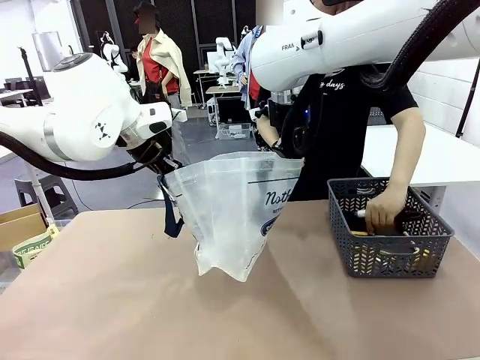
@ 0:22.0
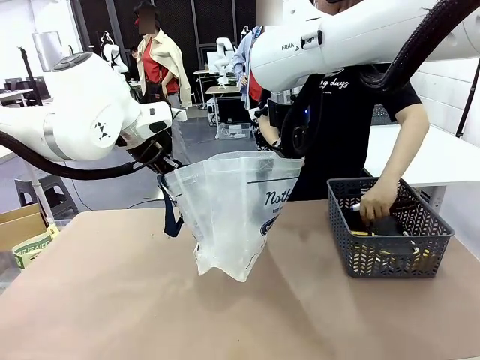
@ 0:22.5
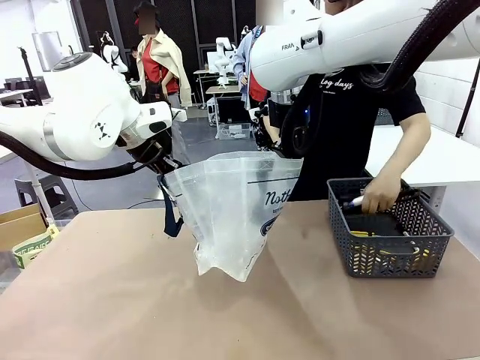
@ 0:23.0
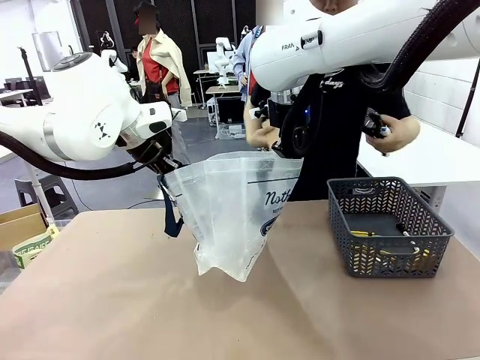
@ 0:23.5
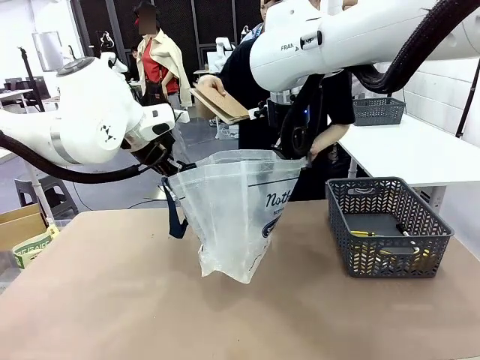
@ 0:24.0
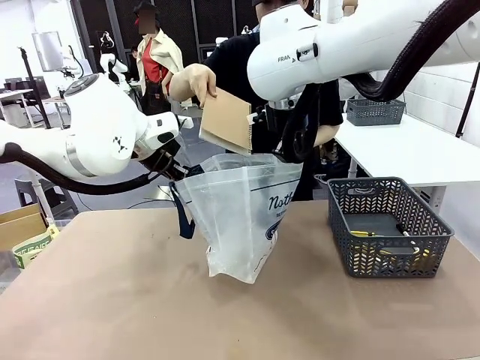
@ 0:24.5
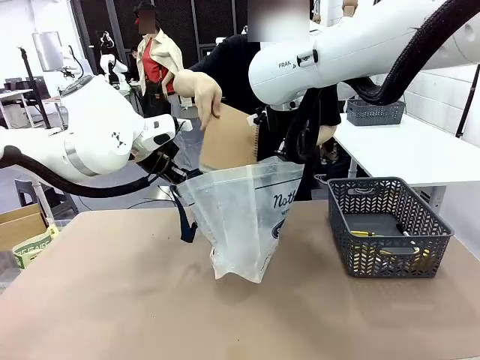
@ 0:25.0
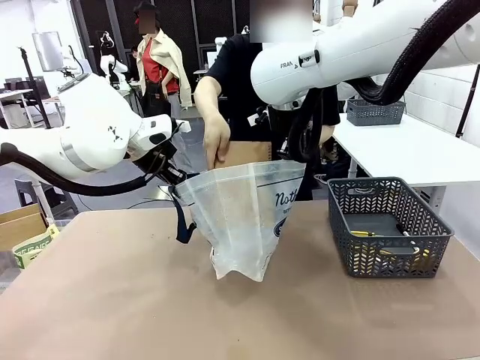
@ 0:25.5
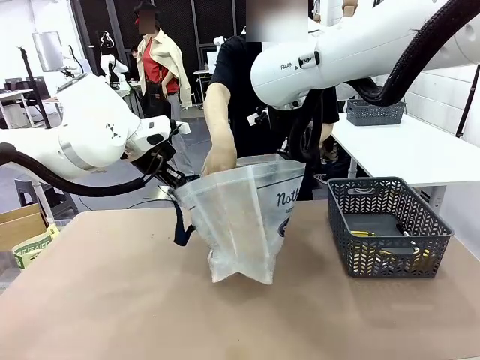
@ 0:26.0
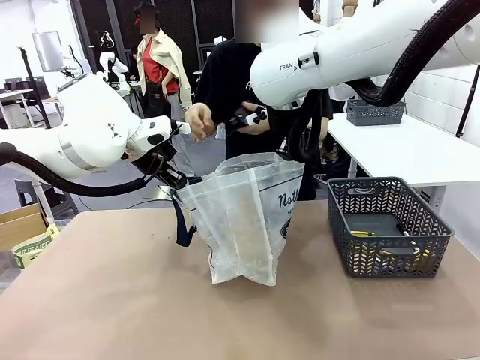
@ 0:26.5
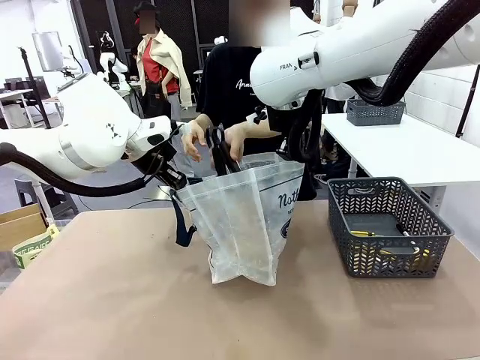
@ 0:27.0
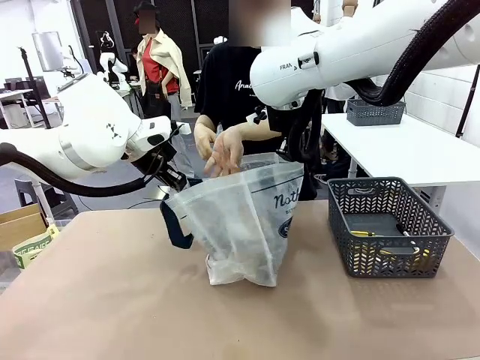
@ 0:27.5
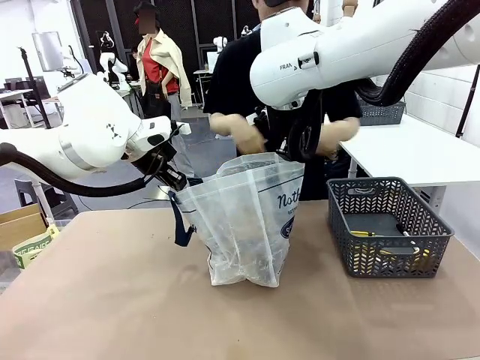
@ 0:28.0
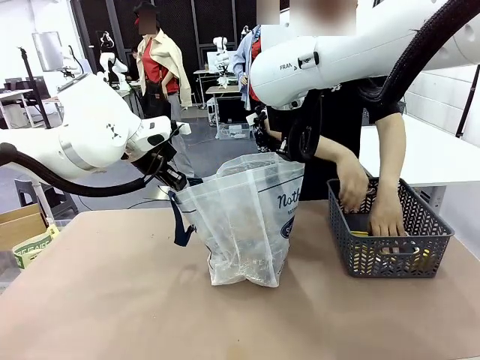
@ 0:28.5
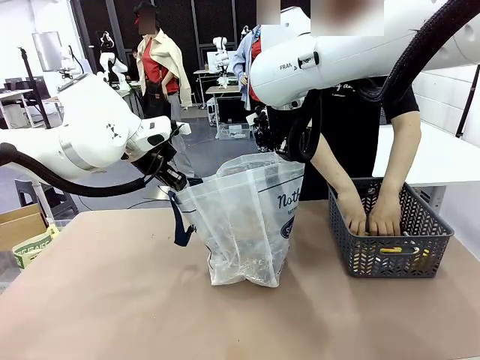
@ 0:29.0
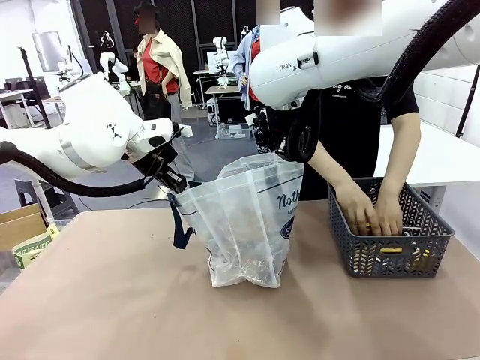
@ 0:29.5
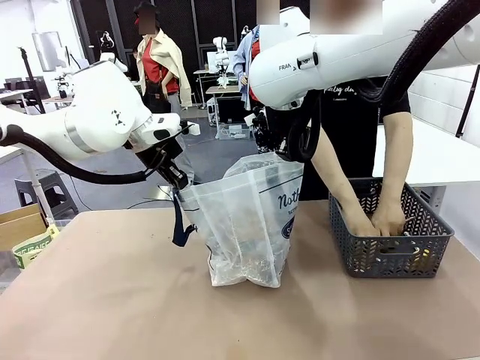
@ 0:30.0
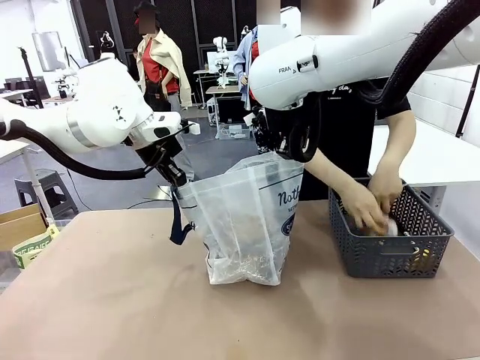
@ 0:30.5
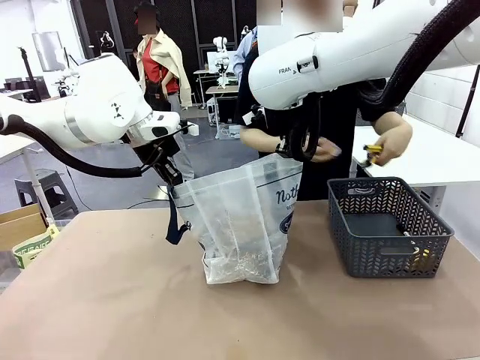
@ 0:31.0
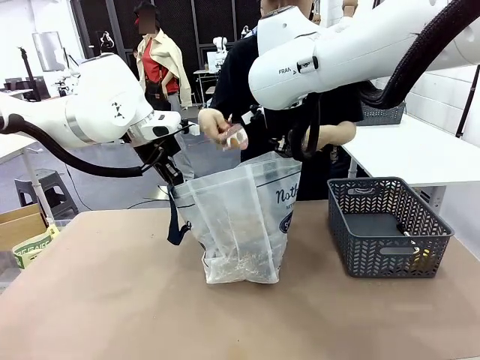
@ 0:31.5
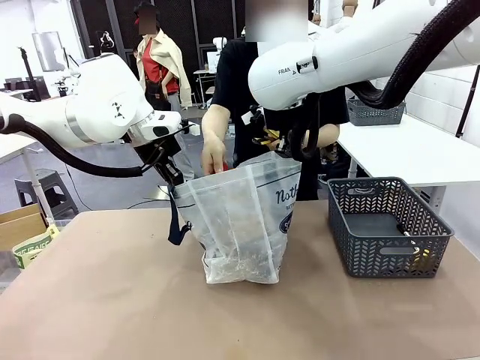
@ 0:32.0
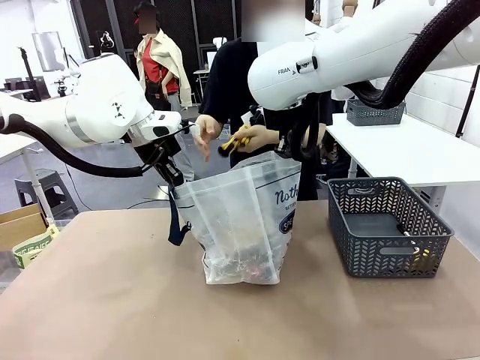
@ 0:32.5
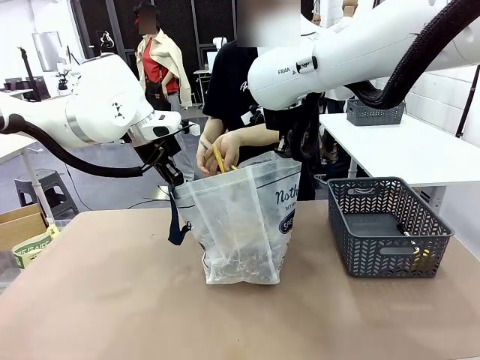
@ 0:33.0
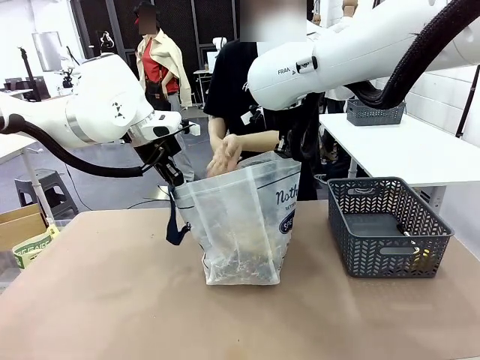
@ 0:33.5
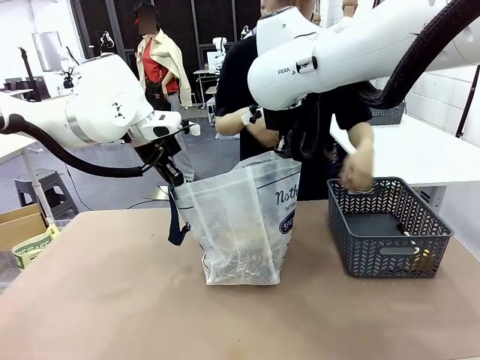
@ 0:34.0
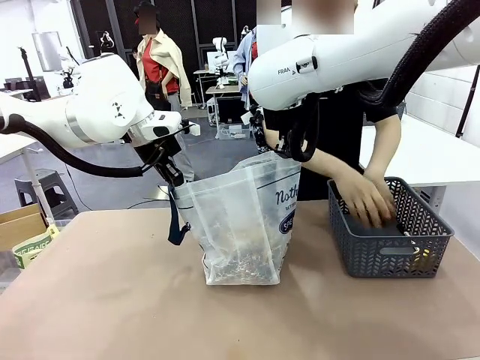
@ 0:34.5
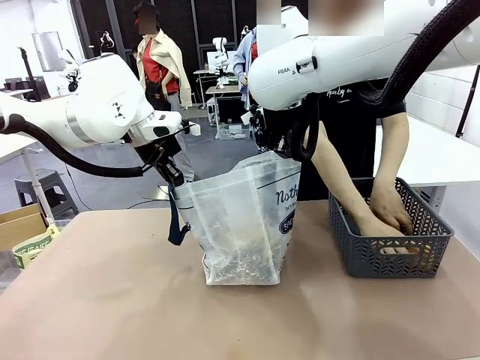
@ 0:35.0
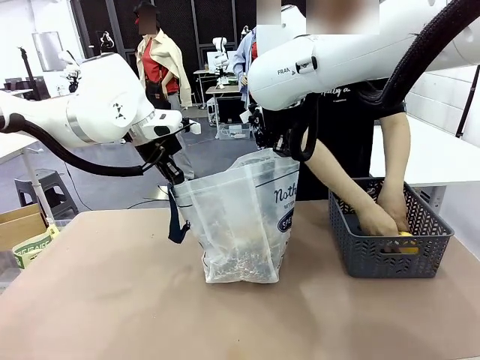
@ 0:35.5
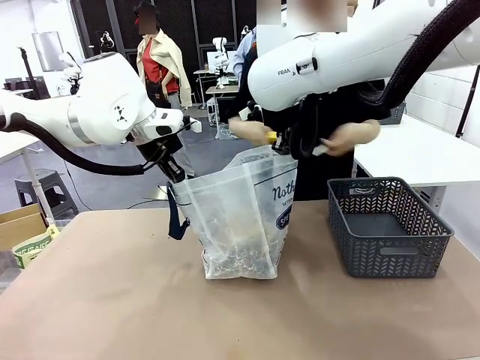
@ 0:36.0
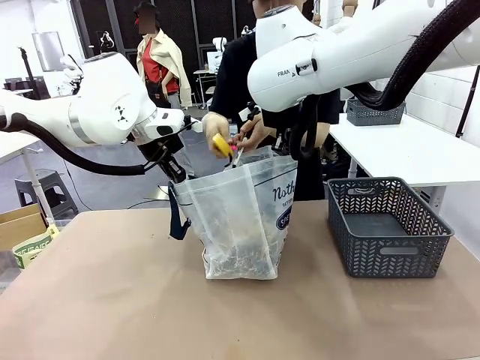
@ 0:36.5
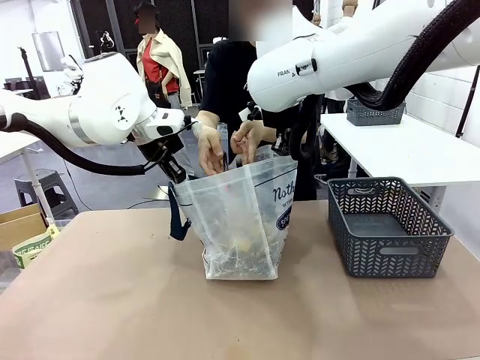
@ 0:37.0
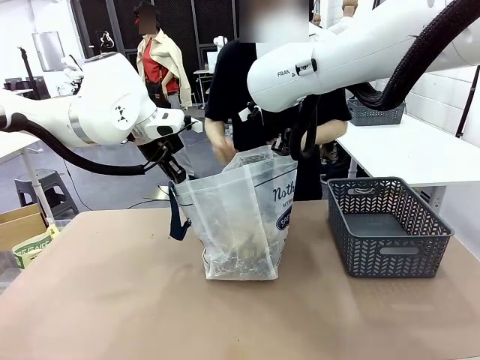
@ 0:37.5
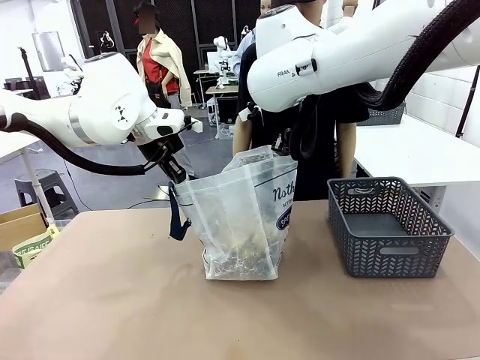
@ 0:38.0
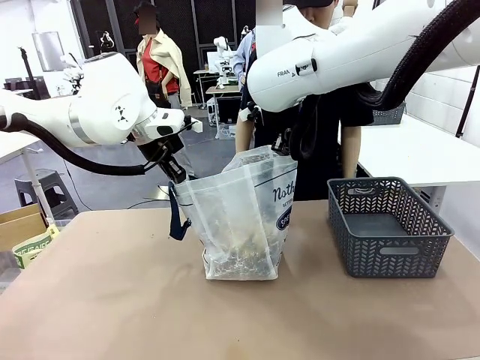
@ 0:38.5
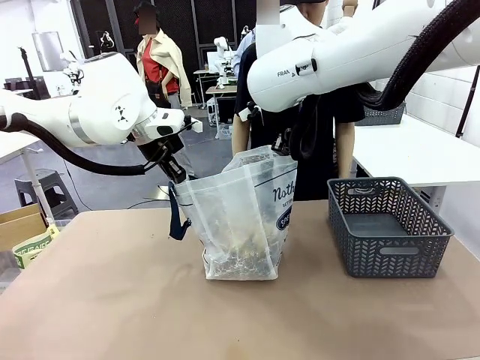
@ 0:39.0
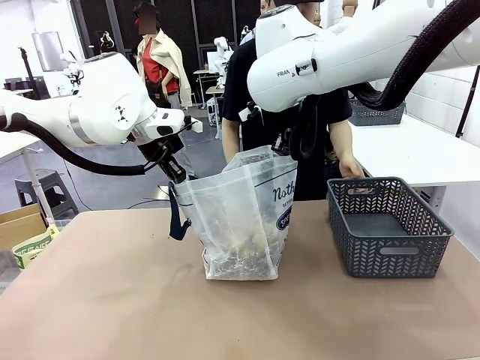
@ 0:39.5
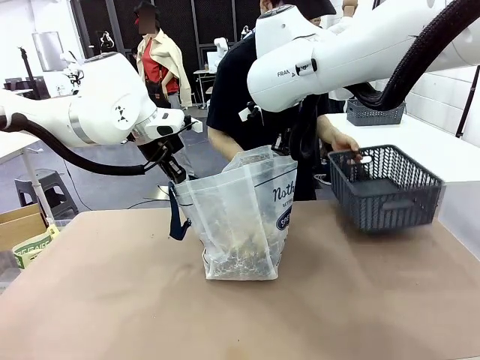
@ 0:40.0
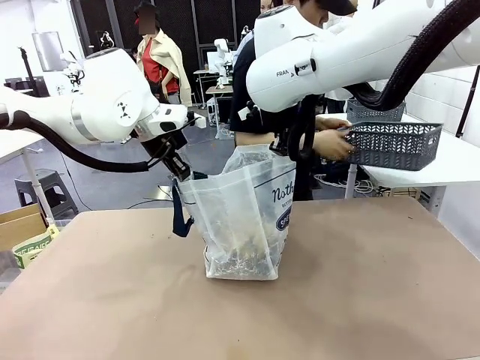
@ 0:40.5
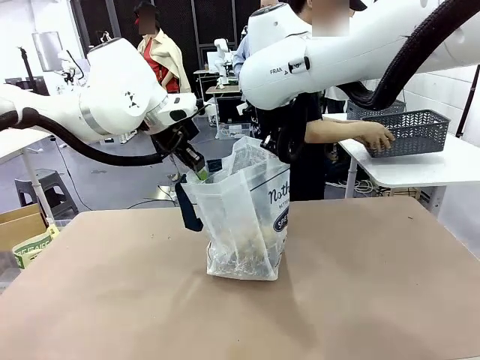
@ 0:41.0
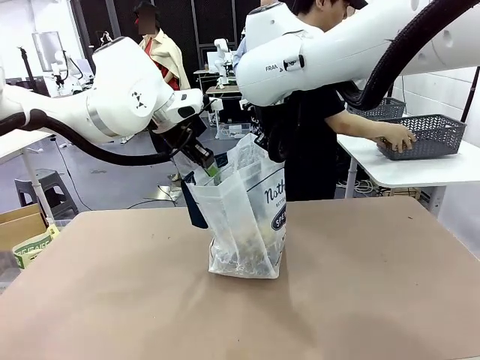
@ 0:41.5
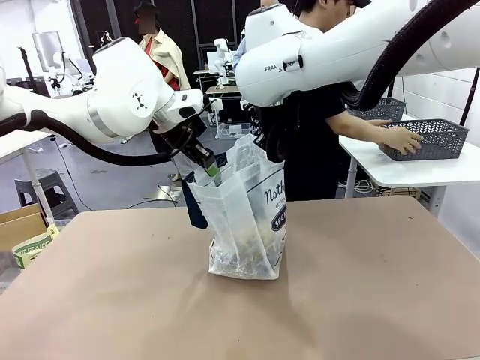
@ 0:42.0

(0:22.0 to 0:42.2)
Task: Transfer purchased items from the store into the shopping bag.
Robot: Move the Reusable shopping bag to the right side of the table.
Person: Pick up the basket on the right, place it on the left side of the robot table, and move the items in the basket to the shopping bag. Pick up the basket with the items out and place it on the right side of the human table.
